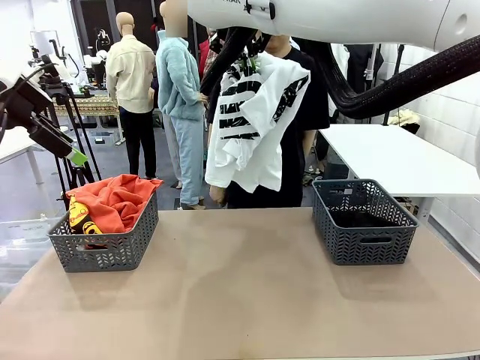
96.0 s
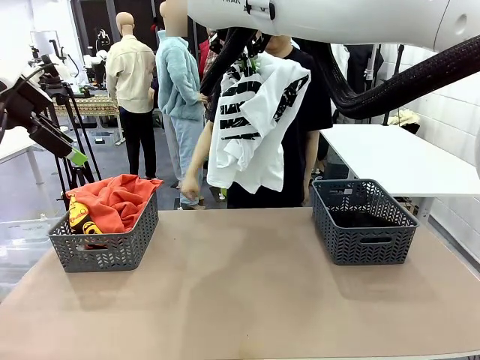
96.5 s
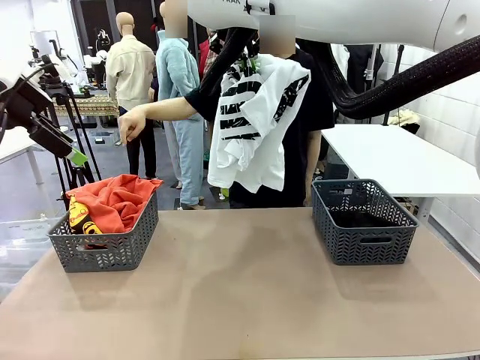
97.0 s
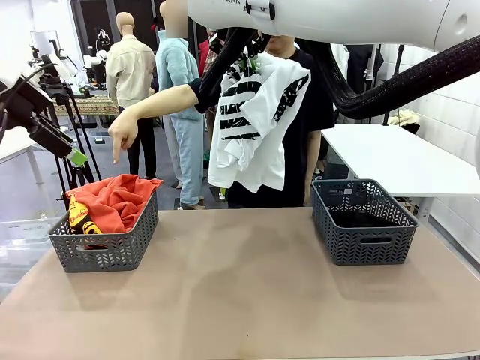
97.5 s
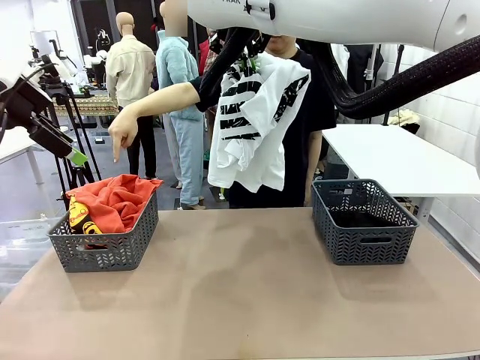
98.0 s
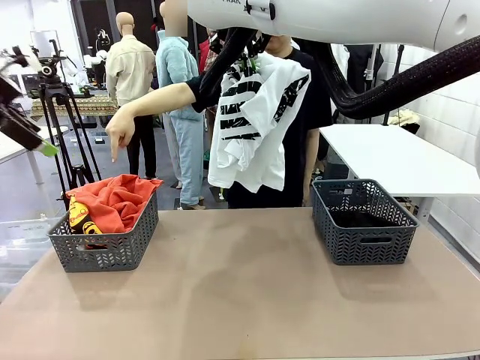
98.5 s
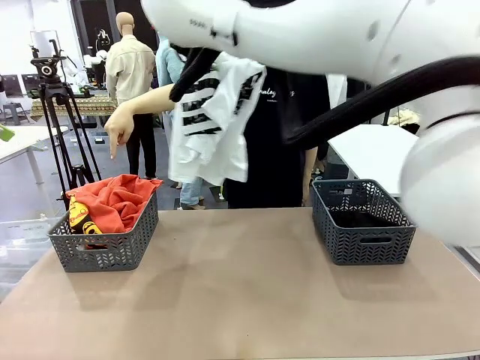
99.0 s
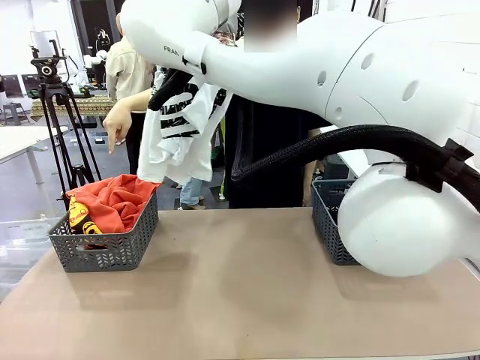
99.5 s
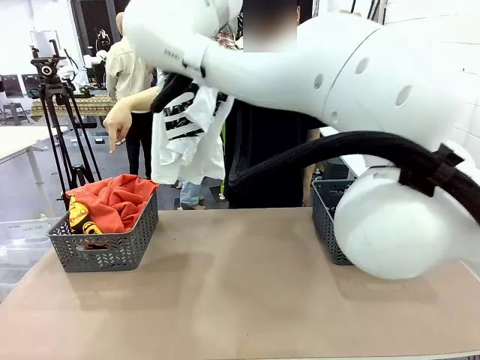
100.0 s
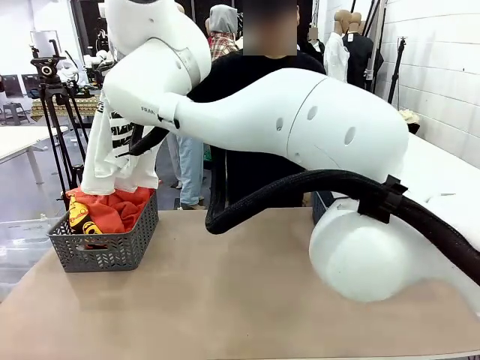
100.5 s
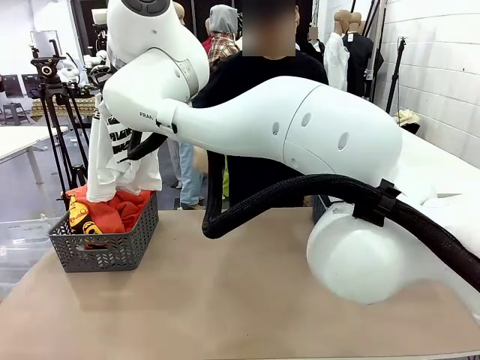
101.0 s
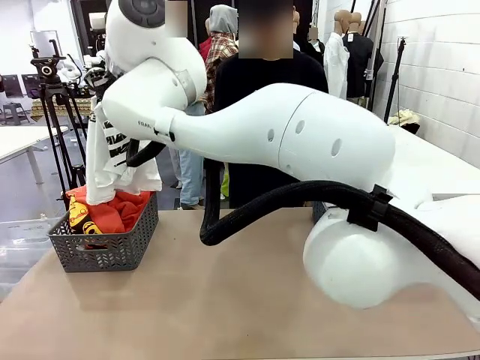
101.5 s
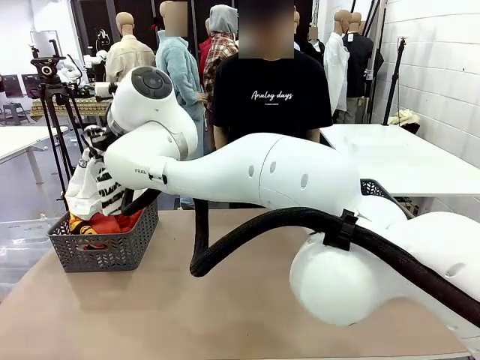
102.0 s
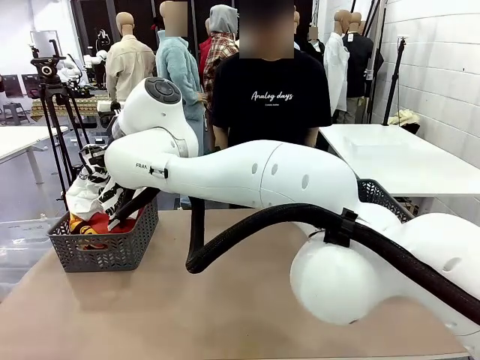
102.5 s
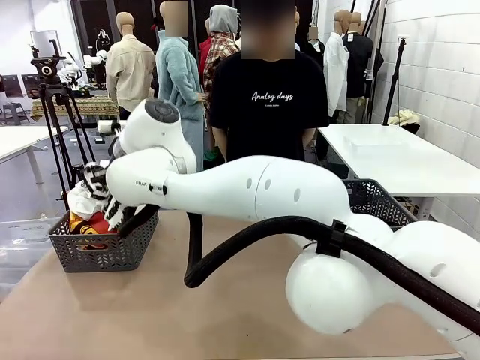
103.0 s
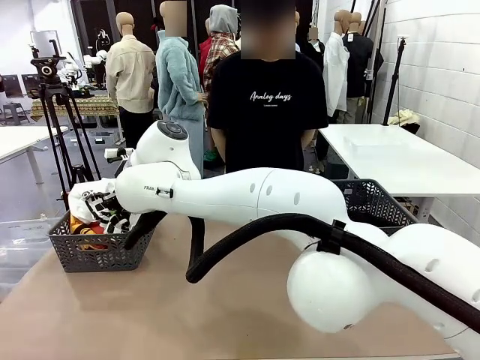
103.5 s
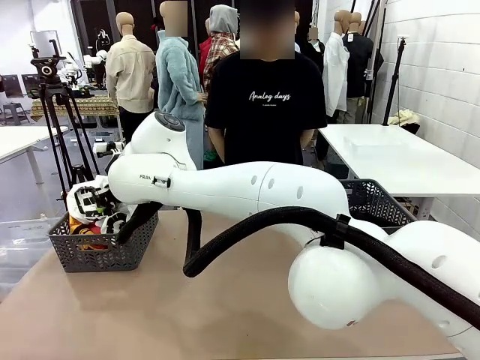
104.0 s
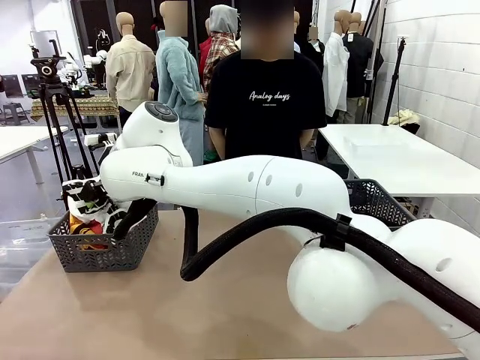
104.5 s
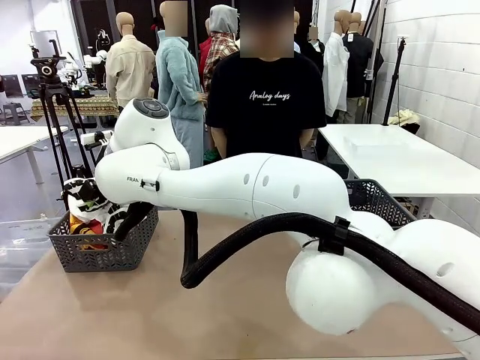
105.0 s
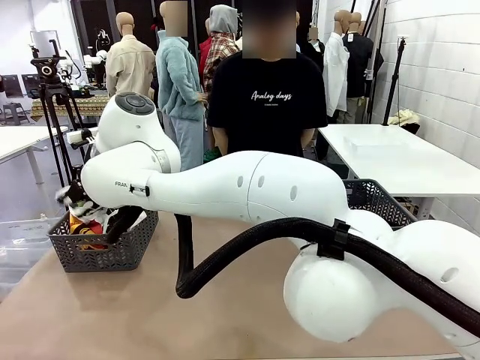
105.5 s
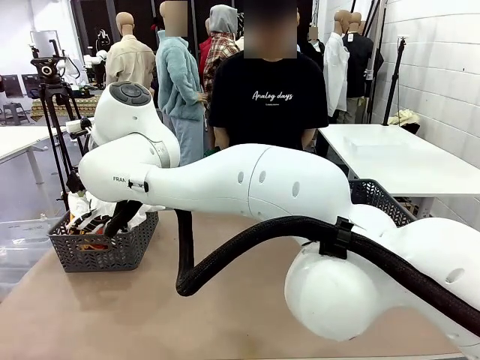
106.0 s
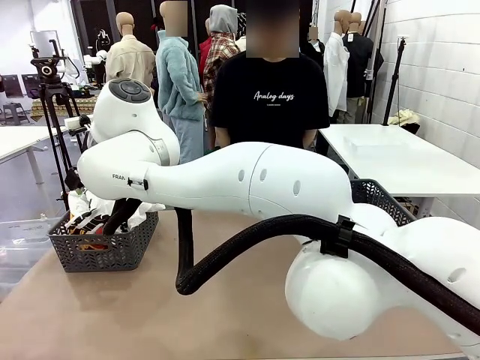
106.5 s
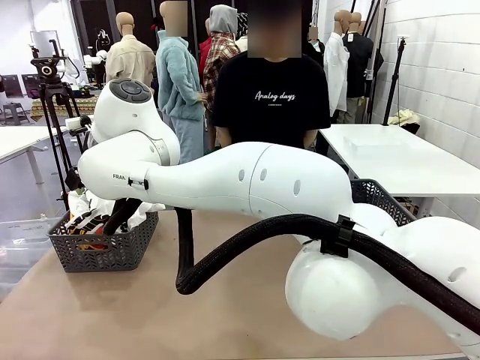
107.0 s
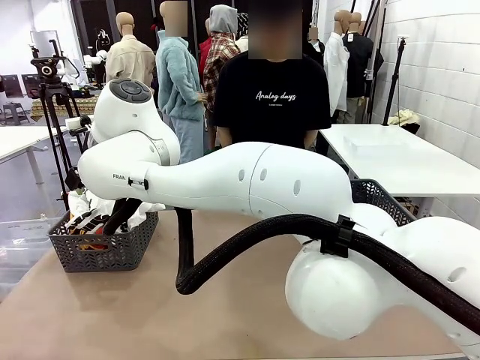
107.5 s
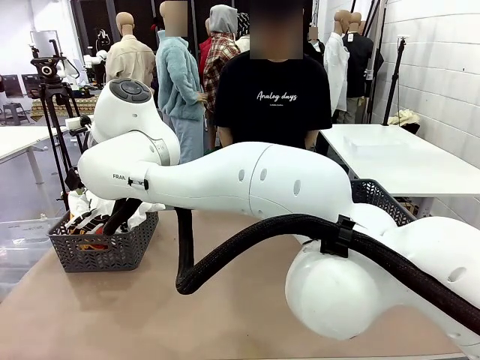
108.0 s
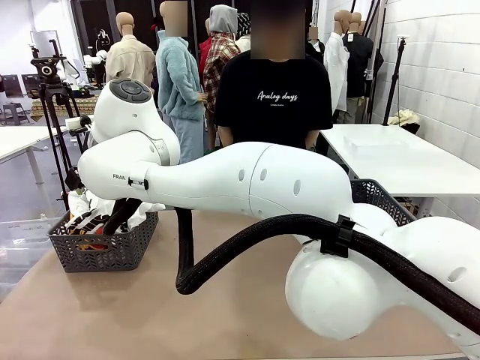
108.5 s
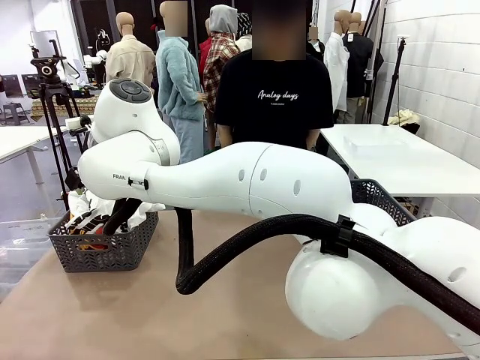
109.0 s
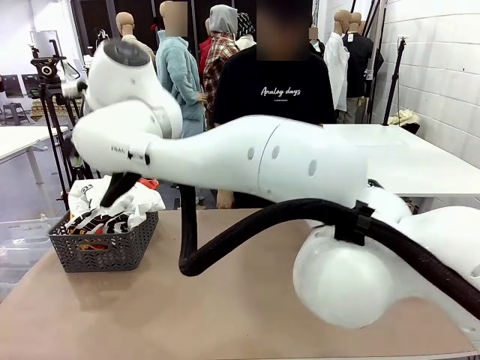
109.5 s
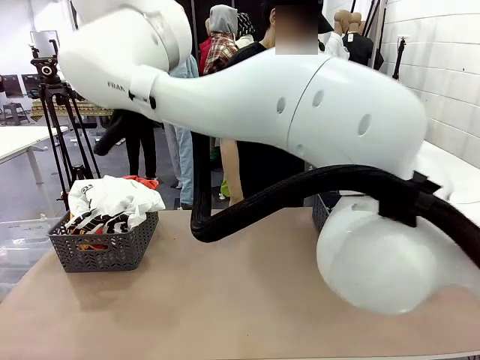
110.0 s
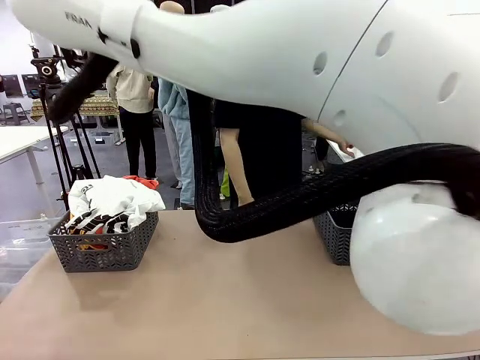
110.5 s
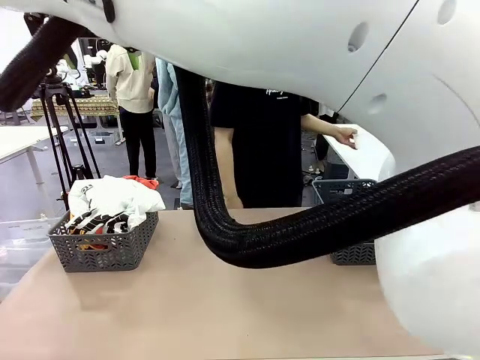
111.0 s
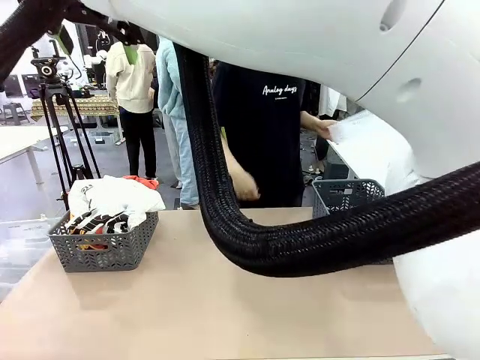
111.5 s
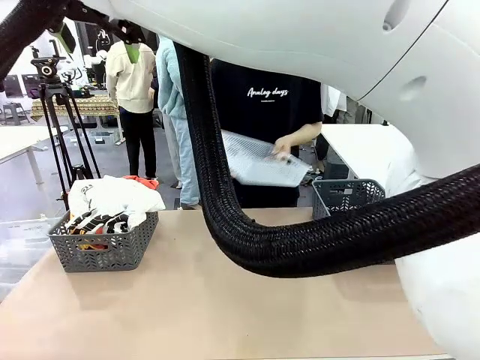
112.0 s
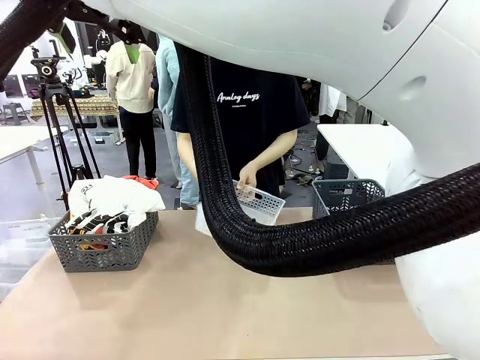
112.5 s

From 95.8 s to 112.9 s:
Task: Sort the tops and bottoms.
Robot: Sort the clothes according to human instructions.

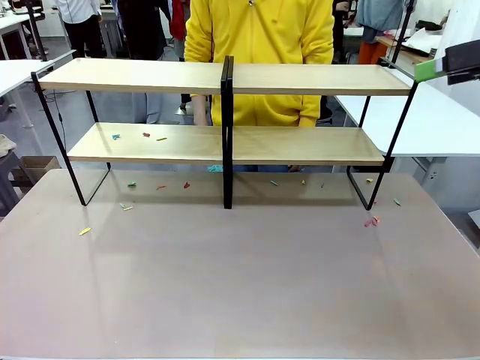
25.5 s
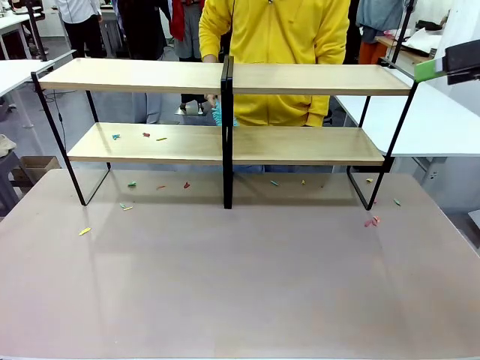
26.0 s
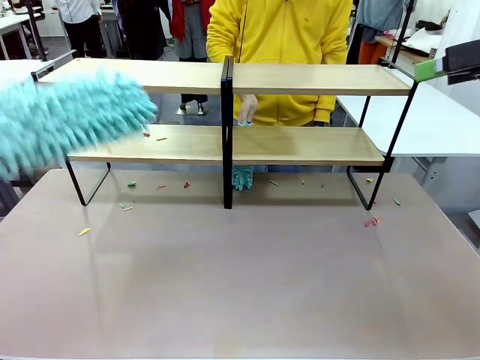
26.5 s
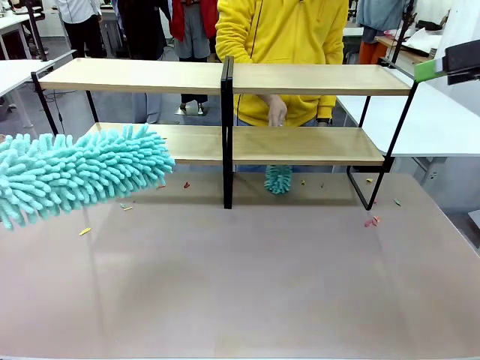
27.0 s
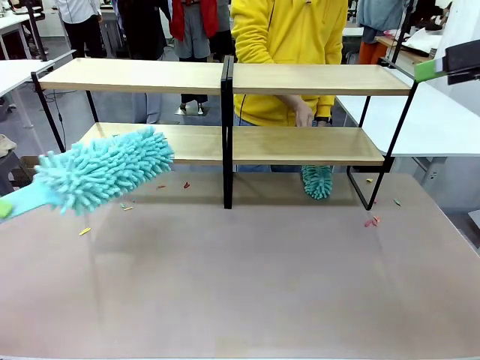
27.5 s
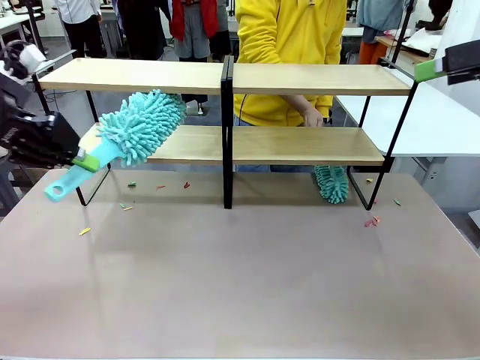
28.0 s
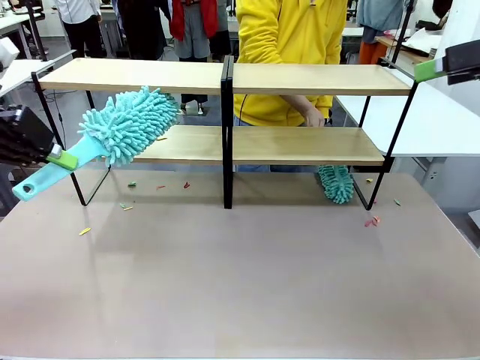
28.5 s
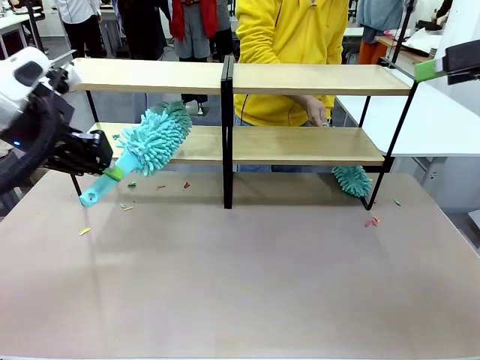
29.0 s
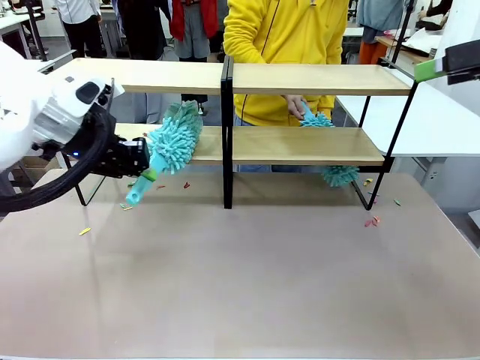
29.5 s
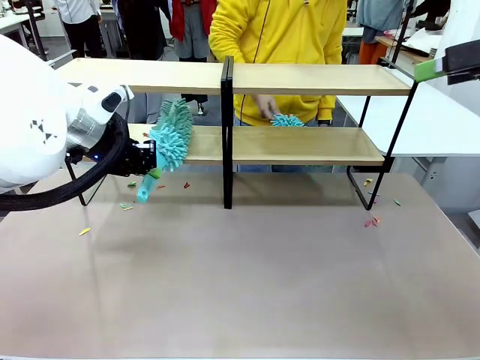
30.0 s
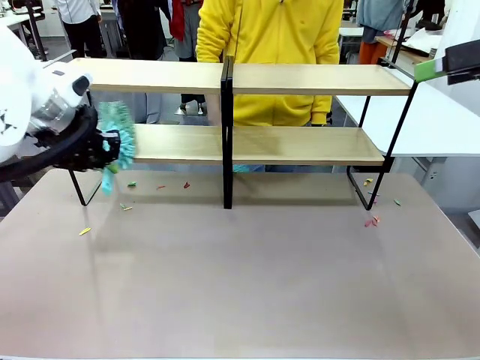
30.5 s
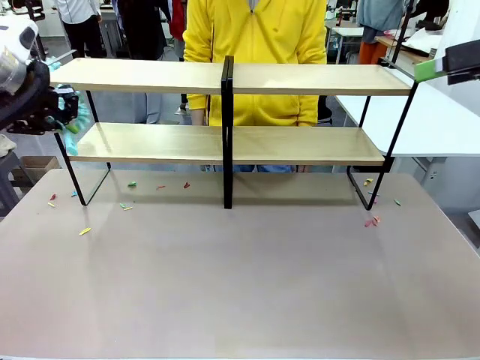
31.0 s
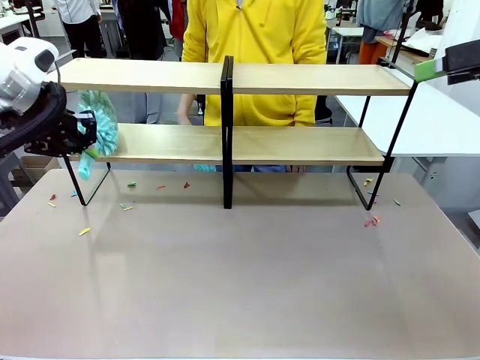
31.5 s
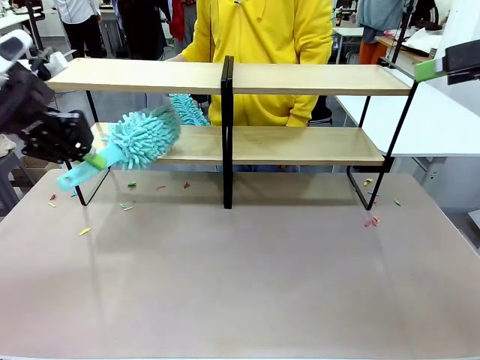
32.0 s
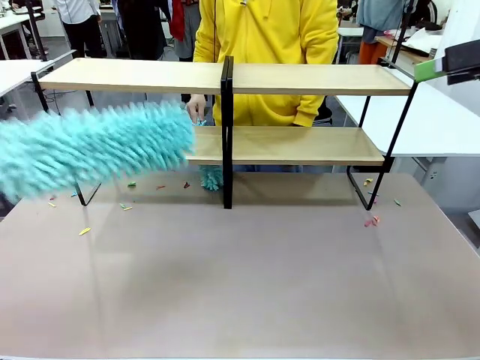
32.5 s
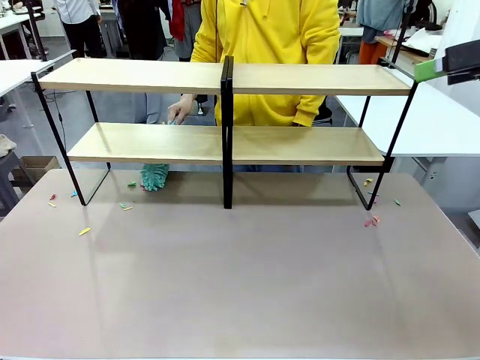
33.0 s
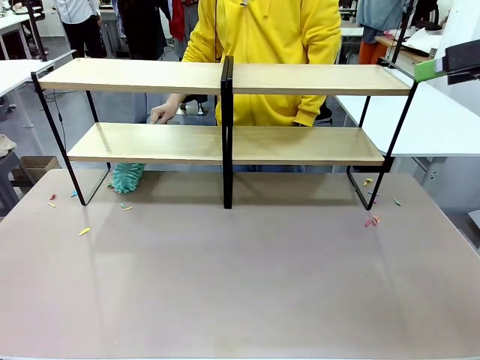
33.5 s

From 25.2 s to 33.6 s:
Task: Clean the shelves.
Robot: Clean another randomly selected level of the Shelf with the Duster.

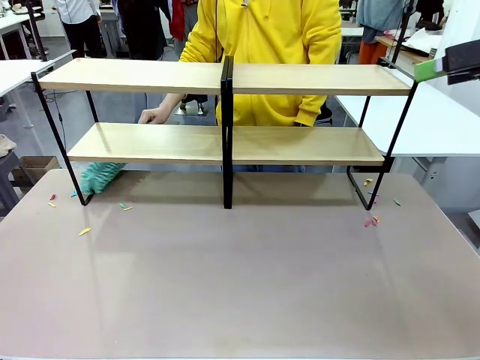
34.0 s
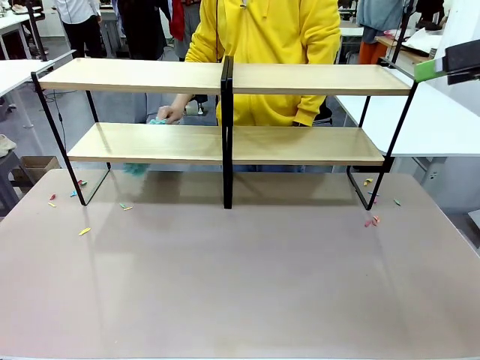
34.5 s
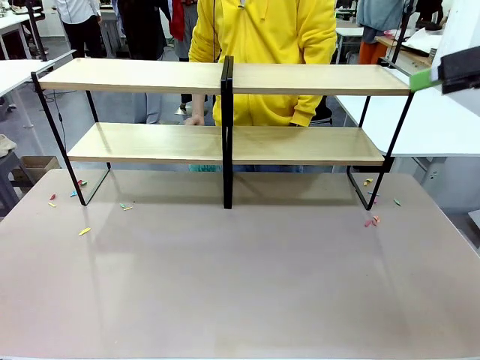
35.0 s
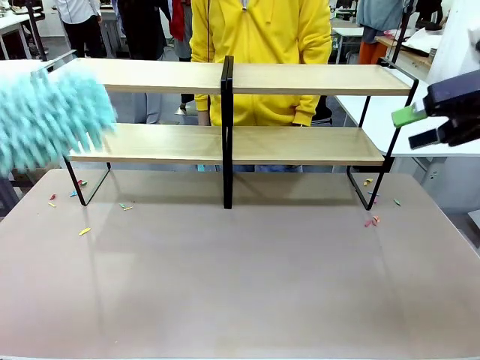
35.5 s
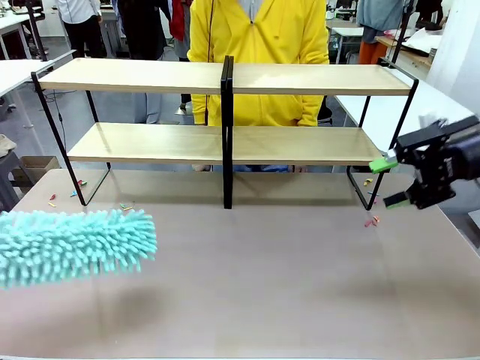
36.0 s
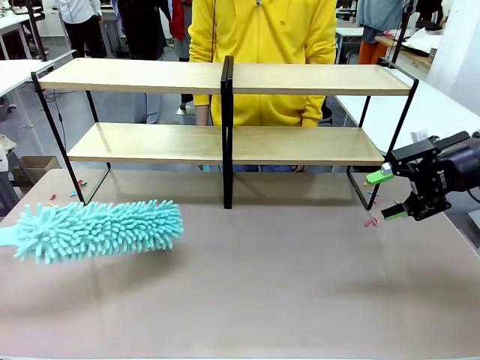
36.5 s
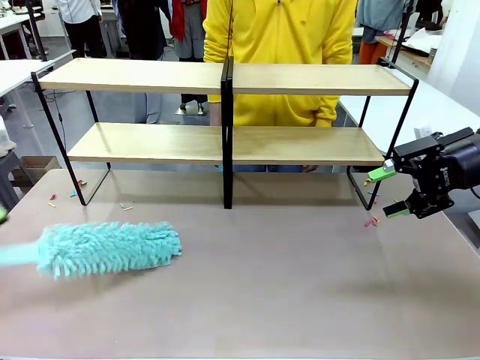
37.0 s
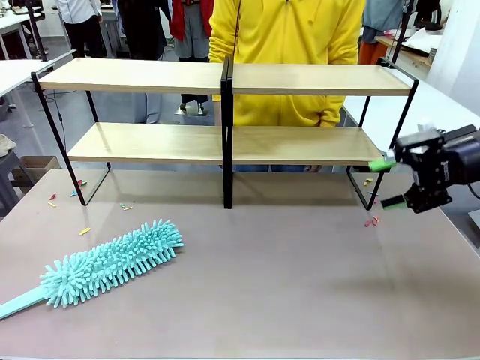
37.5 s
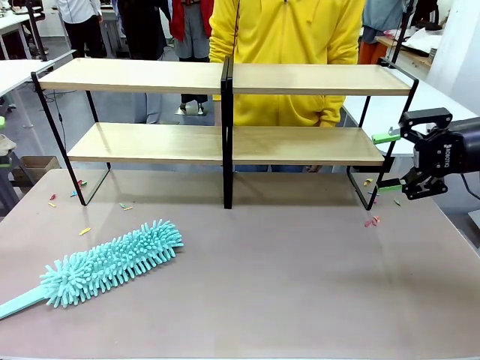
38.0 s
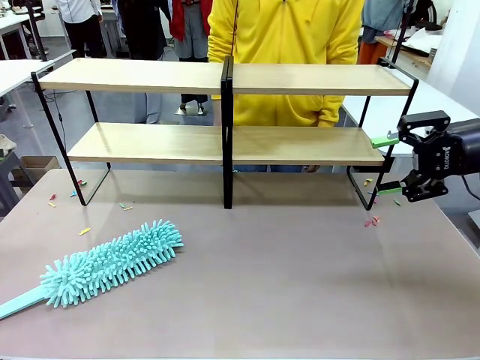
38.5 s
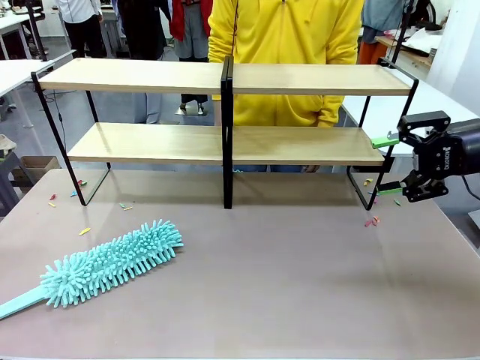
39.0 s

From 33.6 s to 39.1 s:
Robot: Place the Duster on the table.
